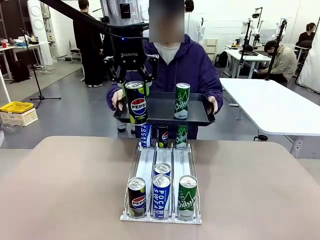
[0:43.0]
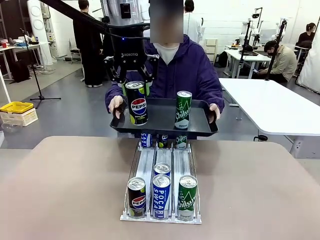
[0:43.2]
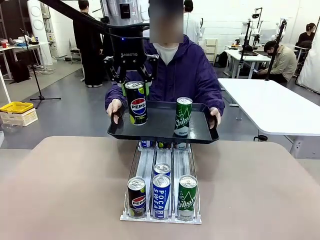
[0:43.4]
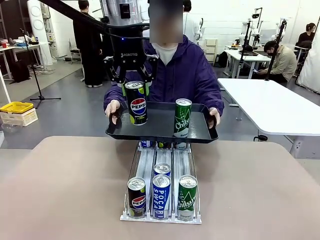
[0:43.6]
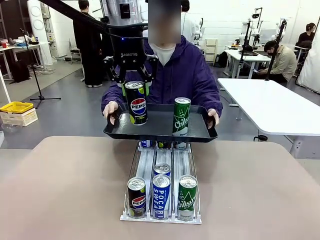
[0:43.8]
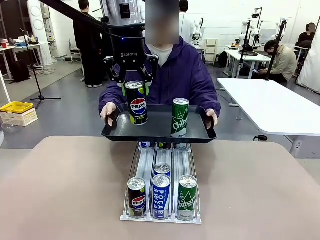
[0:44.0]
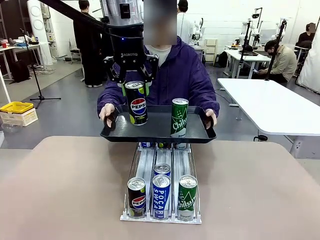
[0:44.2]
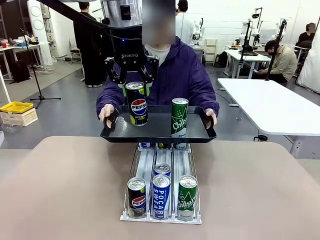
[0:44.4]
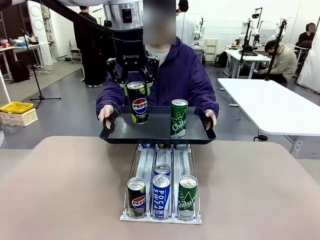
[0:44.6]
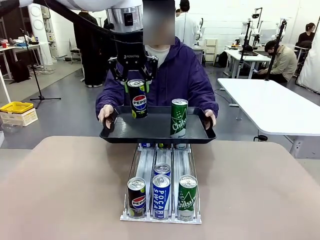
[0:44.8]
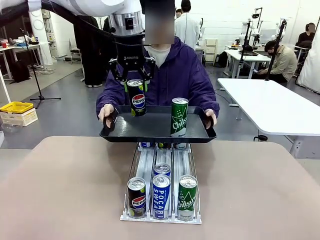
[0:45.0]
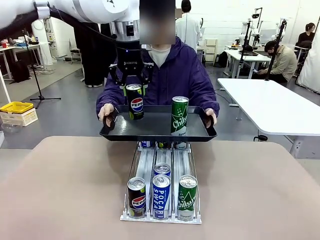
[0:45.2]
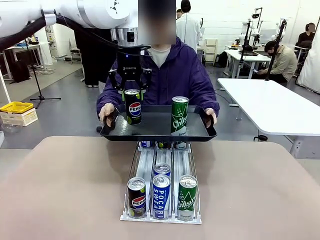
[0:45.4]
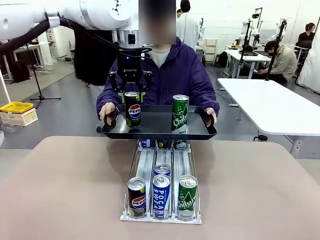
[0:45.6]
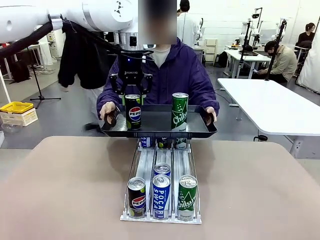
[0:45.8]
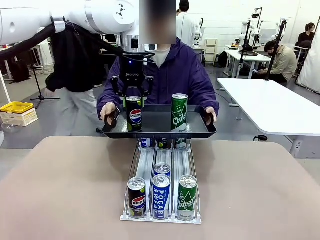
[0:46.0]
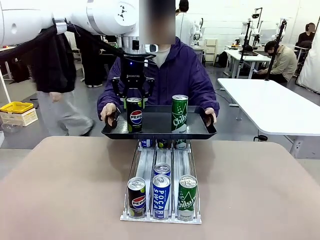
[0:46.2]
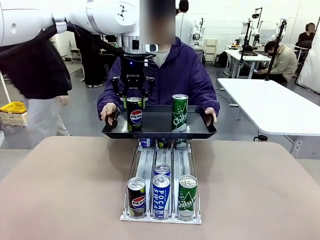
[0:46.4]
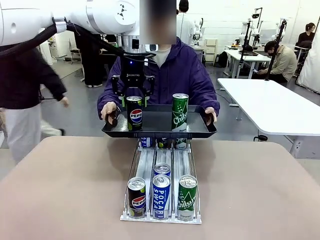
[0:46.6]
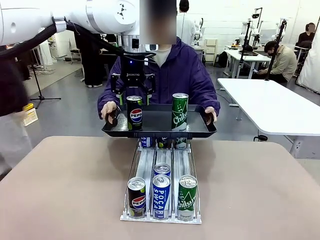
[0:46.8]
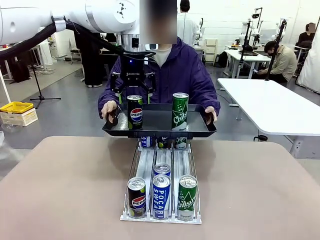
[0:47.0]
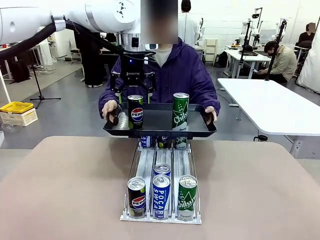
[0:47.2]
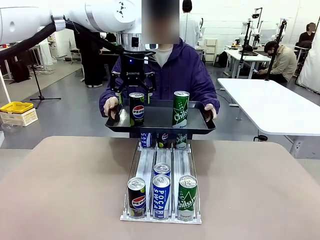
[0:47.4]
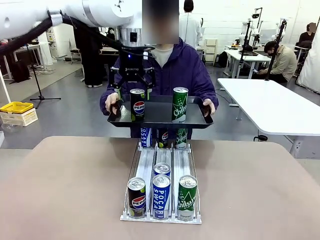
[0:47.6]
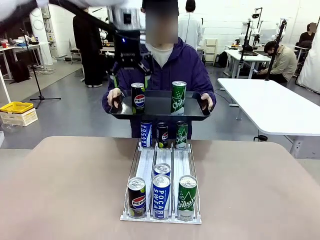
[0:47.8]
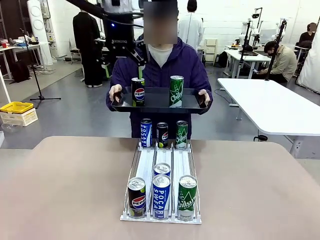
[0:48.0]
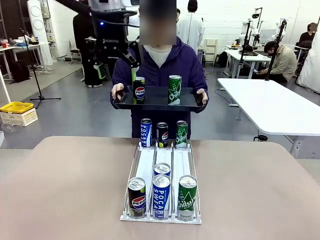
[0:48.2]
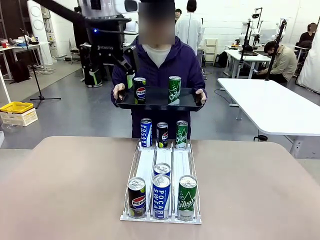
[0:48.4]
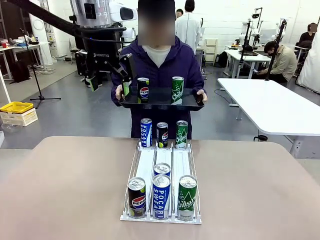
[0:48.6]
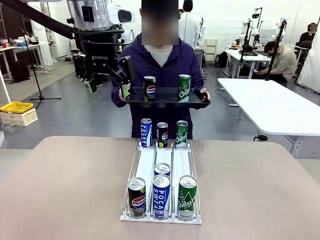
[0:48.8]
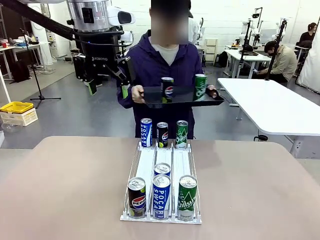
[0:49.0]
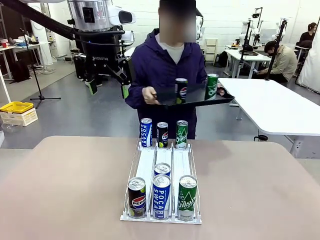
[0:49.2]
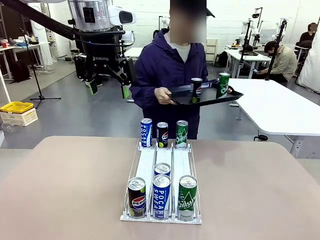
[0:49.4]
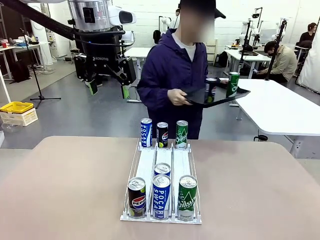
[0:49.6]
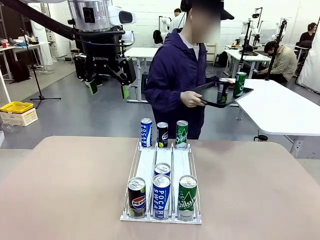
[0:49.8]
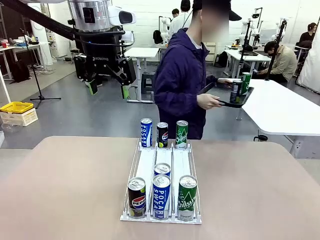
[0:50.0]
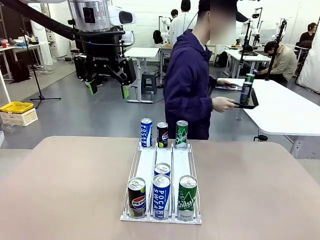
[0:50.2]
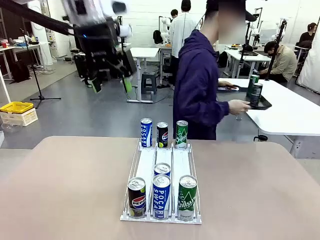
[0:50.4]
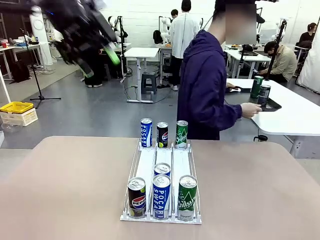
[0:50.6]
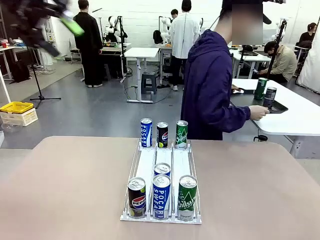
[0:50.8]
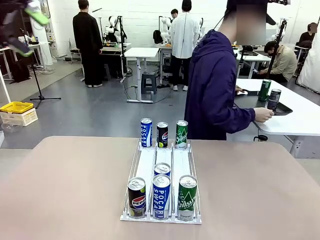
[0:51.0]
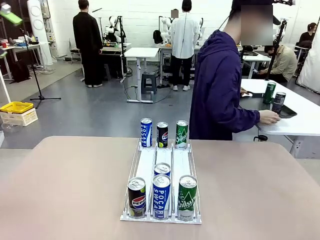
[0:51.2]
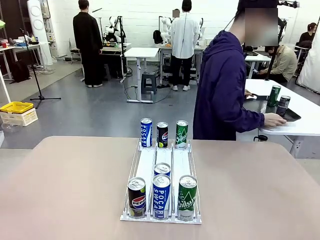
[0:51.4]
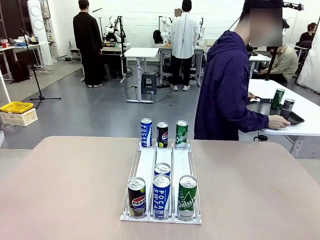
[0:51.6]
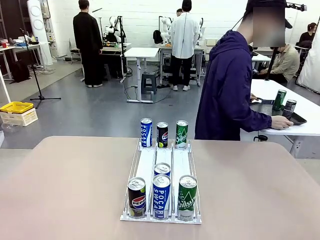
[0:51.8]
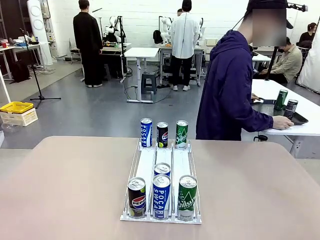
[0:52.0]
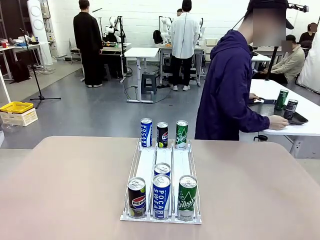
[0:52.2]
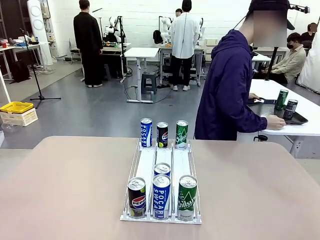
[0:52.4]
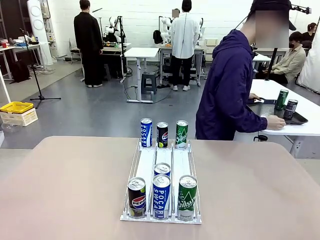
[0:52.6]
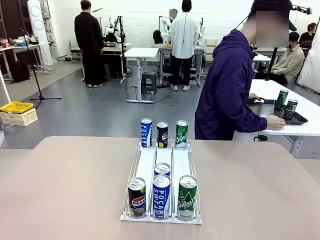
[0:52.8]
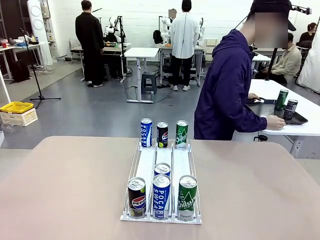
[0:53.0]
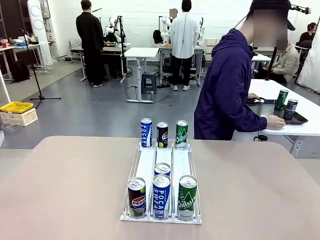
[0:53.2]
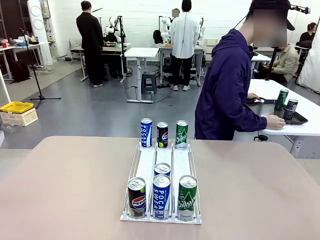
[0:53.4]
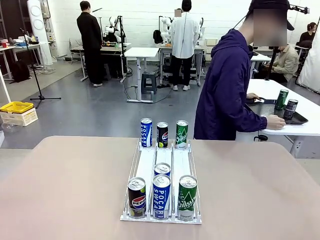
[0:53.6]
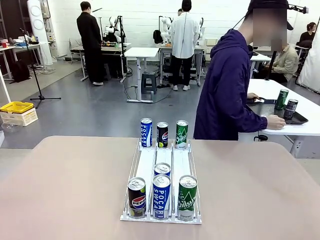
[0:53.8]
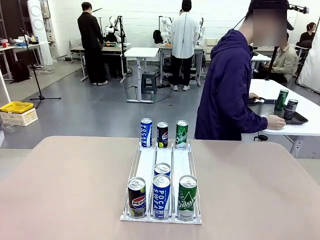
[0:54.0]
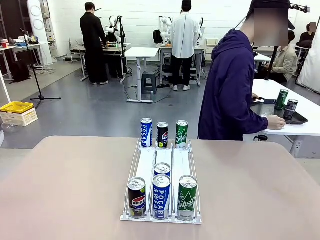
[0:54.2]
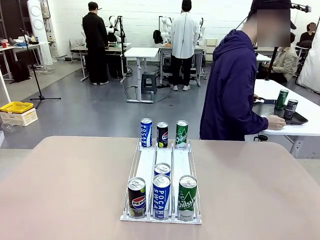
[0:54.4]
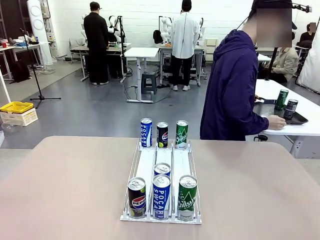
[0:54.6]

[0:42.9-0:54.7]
Task: Retrieve and hand over the desired beverage to the person.
Robot: Place the picked can on the Handle tray extended by the person.
Person: Pull the tray back and place it at the center of the human table.

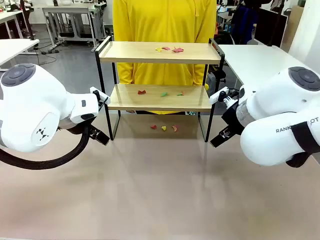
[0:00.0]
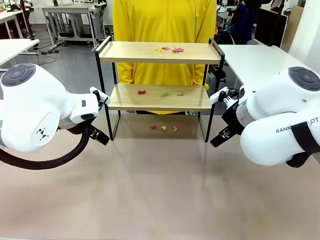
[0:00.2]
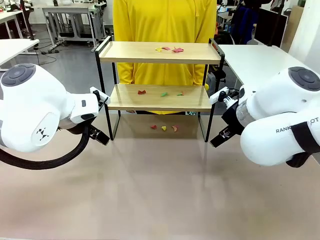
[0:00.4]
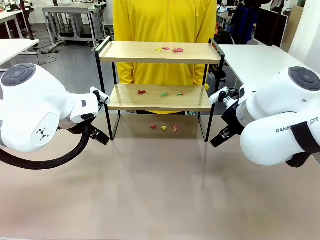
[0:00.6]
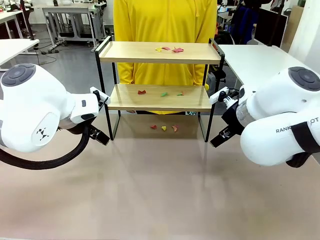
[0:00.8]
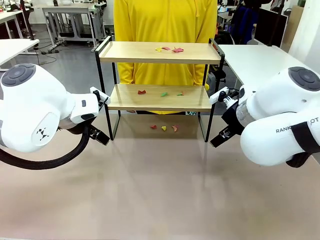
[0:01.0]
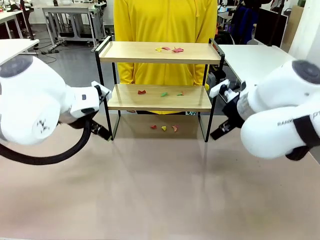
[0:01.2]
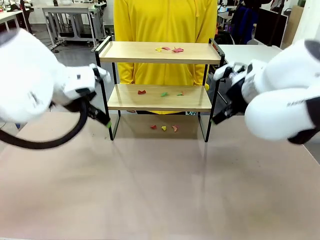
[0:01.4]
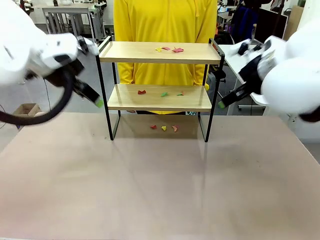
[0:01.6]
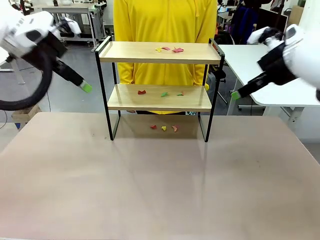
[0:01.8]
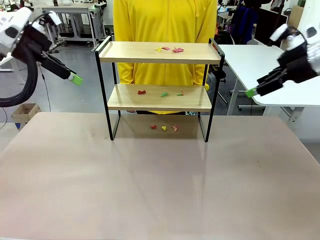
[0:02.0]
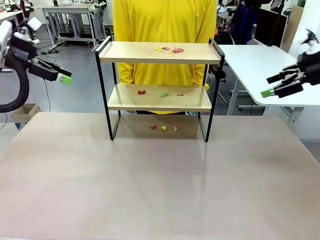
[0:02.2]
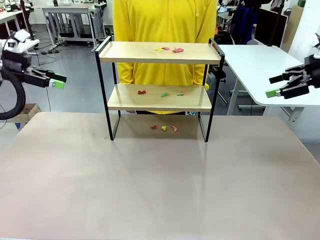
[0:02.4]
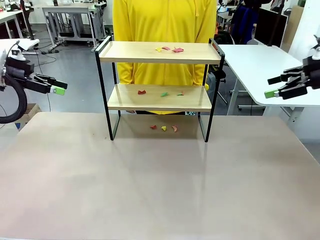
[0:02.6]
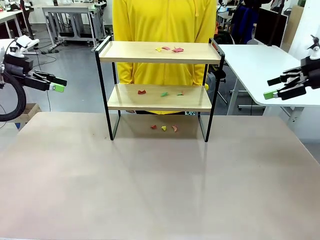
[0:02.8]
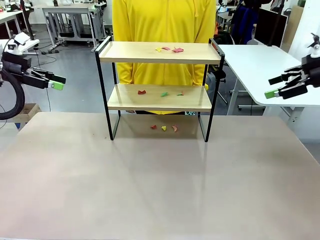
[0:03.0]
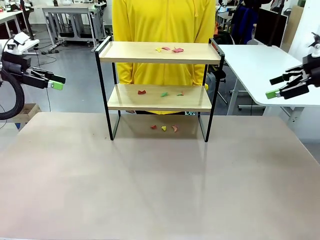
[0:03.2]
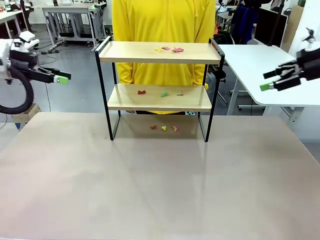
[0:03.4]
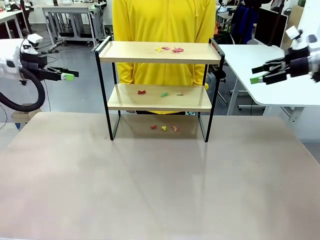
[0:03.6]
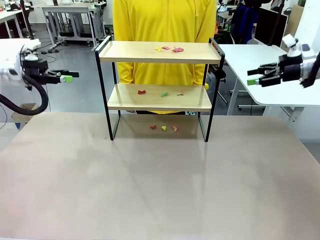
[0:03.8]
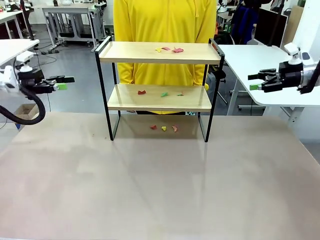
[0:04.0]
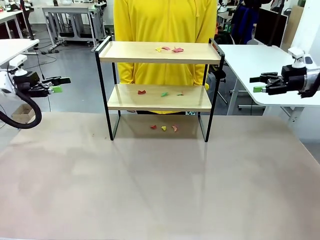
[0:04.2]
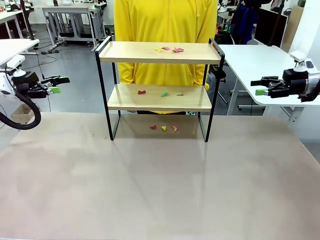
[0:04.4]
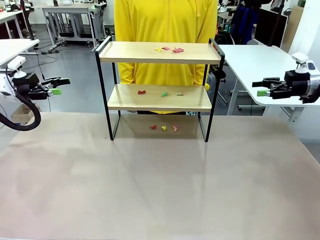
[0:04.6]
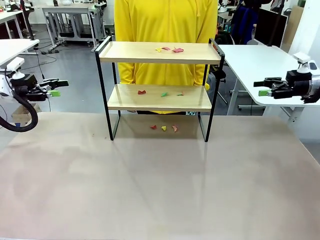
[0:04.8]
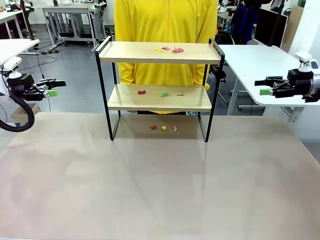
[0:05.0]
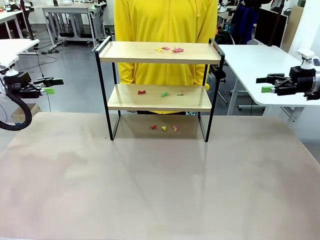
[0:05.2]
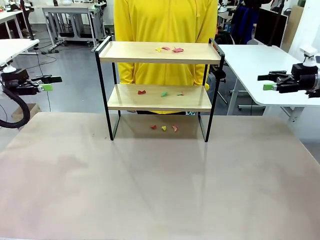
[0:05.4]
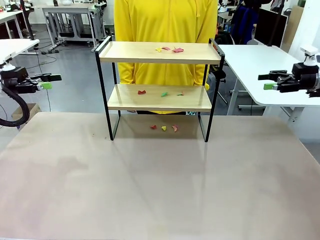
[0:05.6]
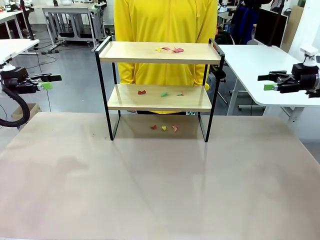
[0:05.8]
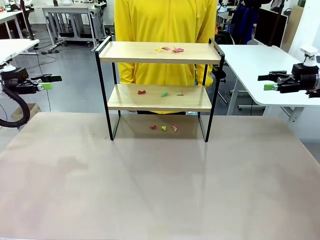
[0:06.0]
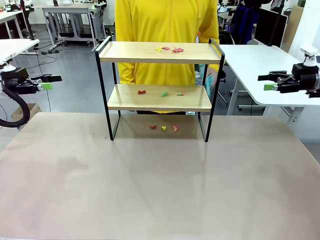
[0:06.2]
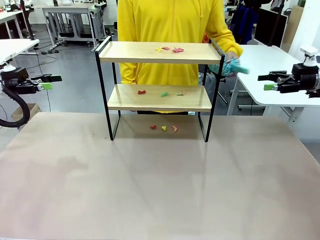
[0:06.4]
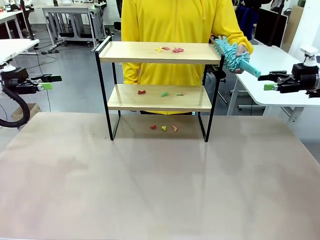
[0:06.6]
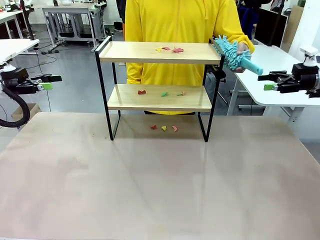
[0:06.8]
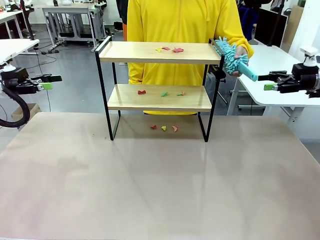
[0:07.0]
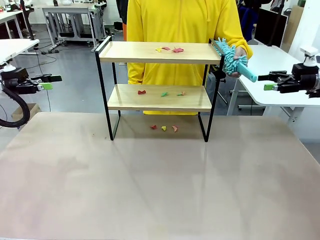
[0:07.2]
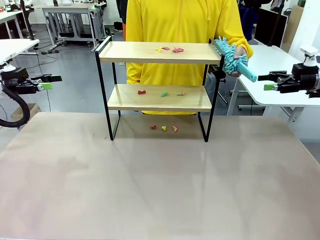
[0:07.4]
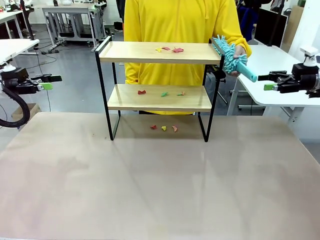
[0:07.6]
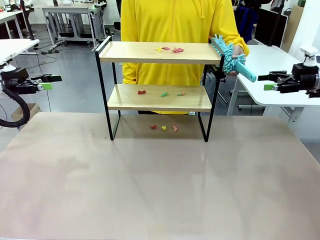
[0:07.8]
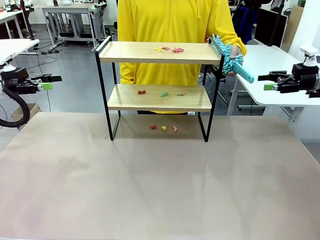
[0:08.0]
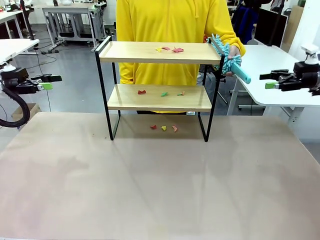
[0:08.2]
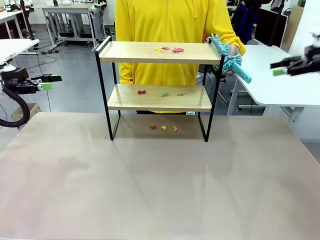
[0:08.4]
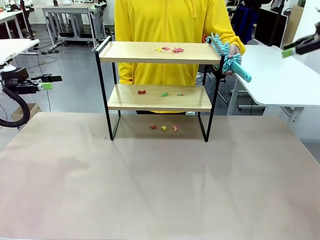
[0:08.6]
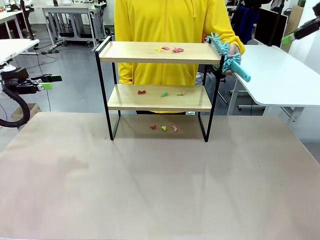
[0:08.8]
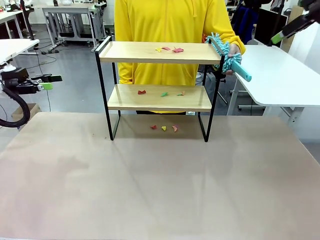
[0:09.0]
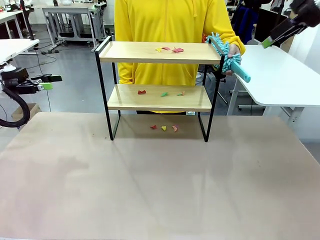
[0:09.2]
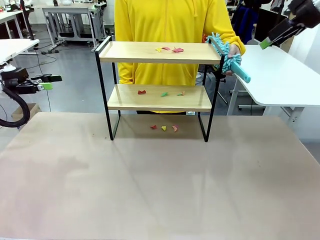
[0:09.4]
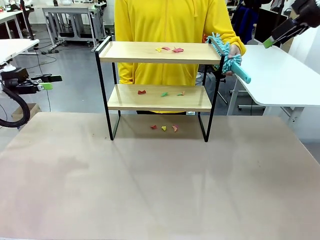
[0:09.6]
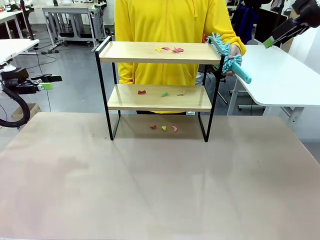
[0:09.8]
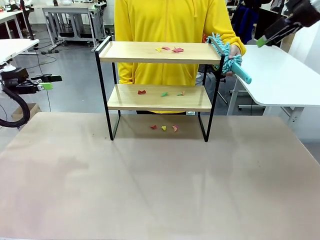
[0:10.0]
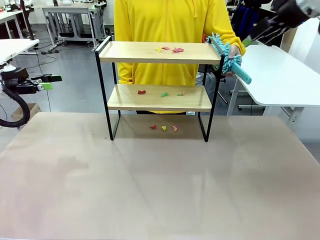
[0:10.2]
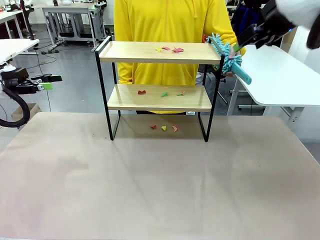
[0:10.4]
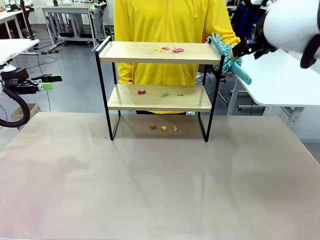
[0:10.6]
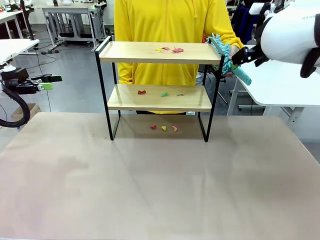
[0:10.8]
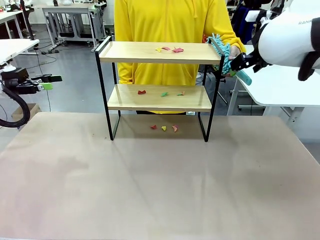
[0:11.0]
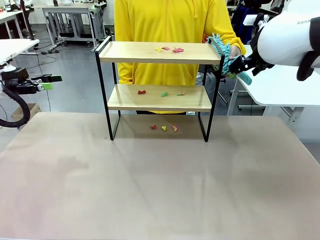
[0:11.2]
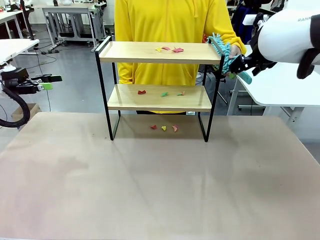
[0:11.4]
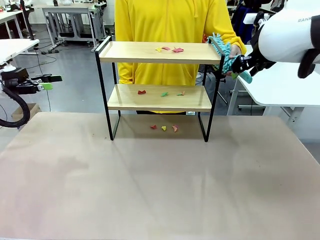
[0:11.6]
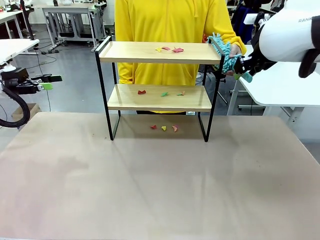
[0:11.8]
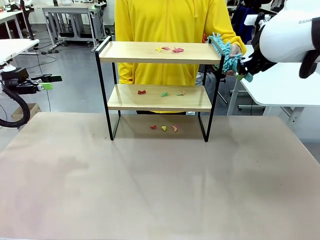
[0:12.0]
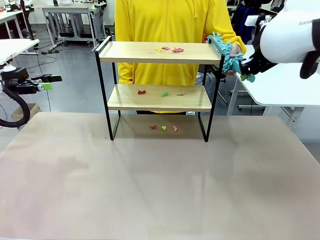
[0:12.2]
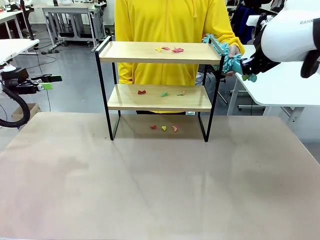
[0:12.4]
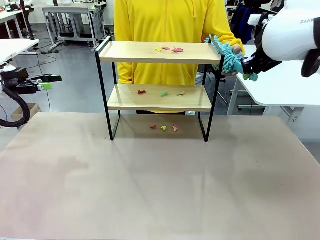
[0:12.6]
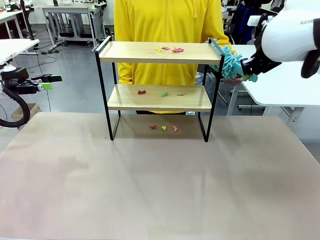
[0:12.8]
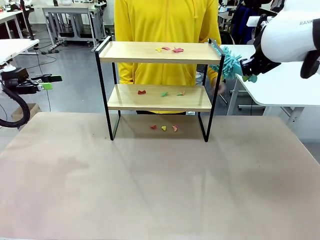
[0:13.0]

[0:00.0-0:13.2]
Task: Clean the shelf.
Robot: Pick up the Duster handed by the human.
Person: Hand the Duster to the robot.
